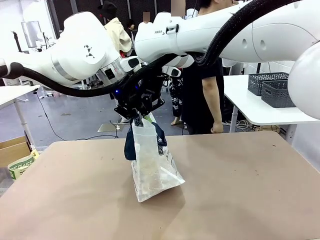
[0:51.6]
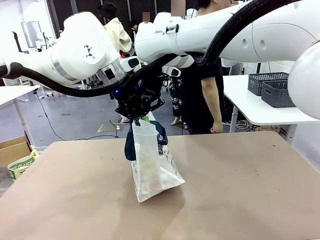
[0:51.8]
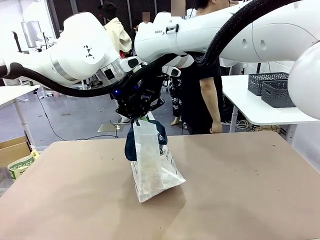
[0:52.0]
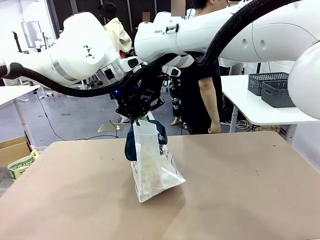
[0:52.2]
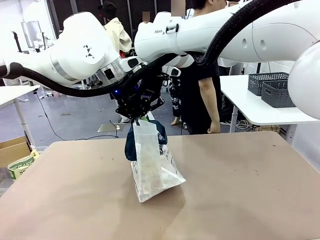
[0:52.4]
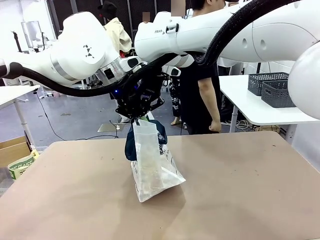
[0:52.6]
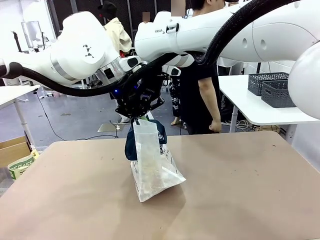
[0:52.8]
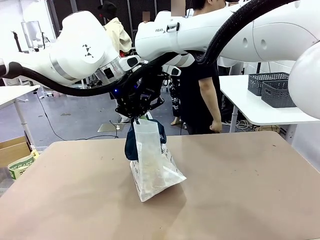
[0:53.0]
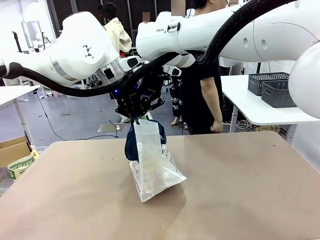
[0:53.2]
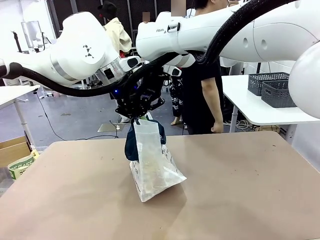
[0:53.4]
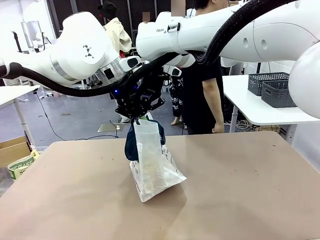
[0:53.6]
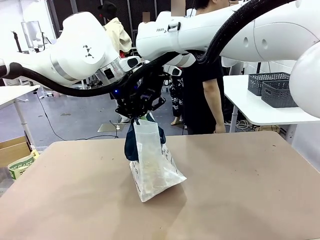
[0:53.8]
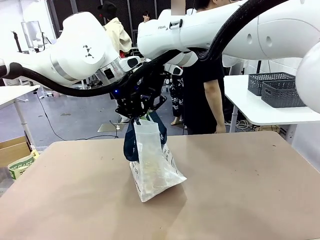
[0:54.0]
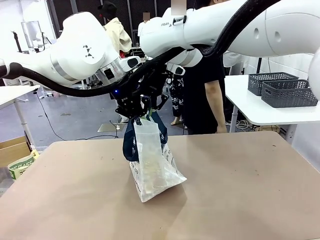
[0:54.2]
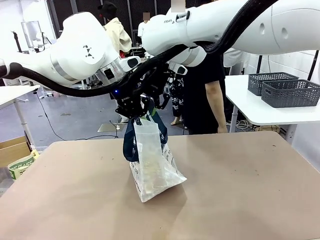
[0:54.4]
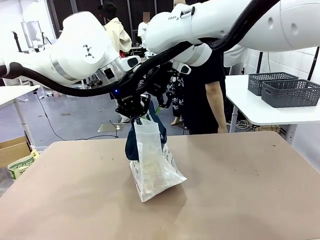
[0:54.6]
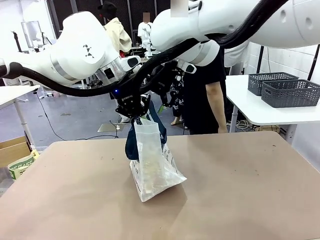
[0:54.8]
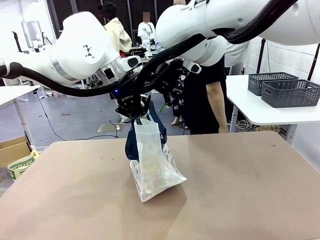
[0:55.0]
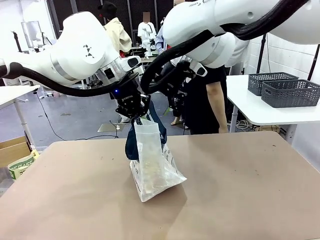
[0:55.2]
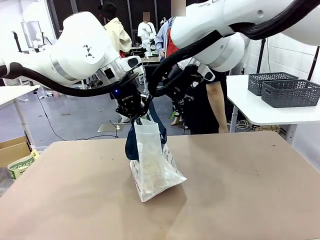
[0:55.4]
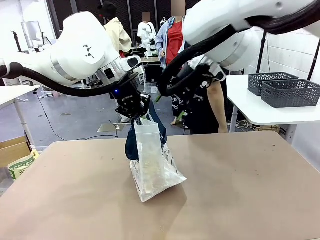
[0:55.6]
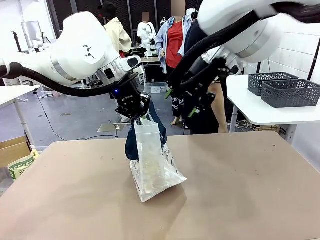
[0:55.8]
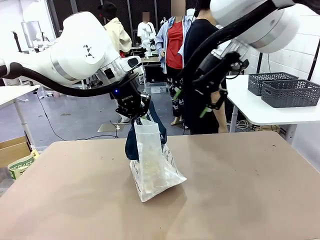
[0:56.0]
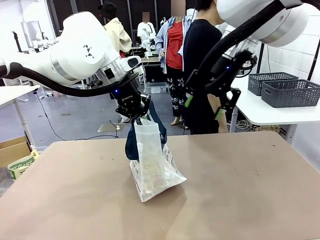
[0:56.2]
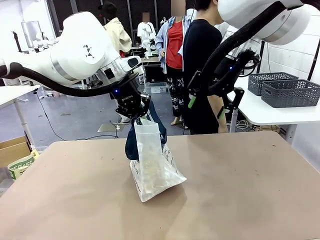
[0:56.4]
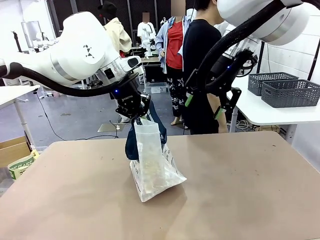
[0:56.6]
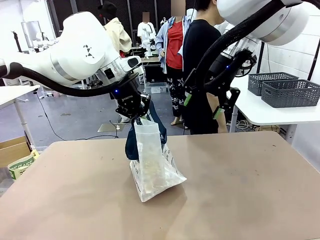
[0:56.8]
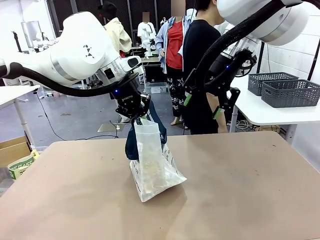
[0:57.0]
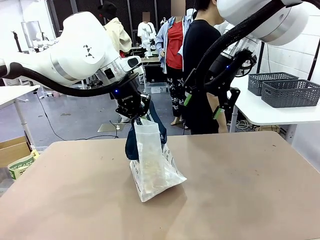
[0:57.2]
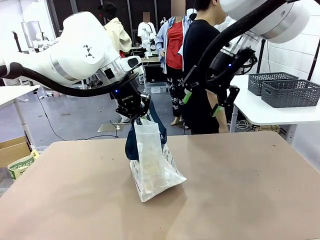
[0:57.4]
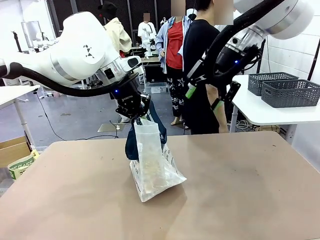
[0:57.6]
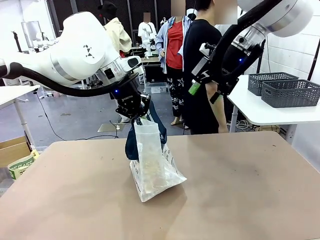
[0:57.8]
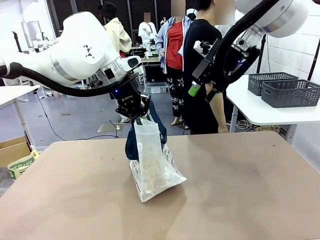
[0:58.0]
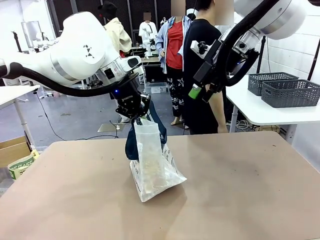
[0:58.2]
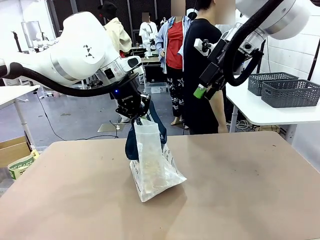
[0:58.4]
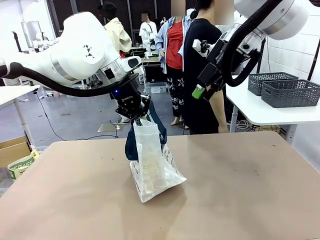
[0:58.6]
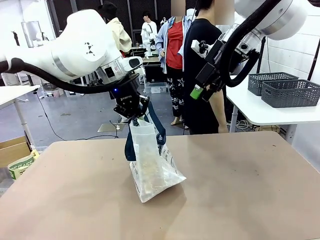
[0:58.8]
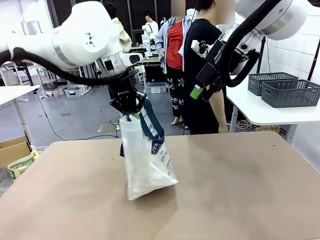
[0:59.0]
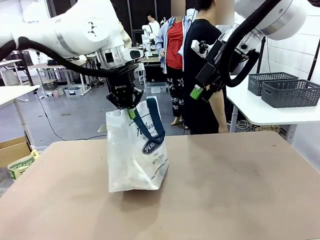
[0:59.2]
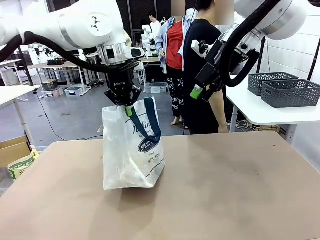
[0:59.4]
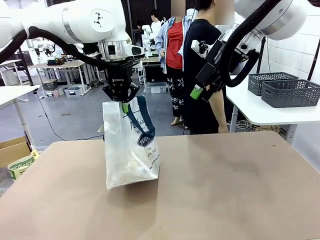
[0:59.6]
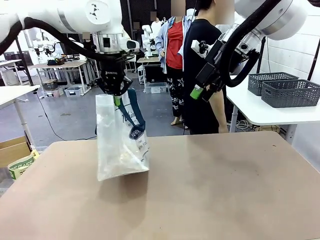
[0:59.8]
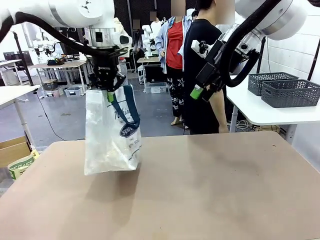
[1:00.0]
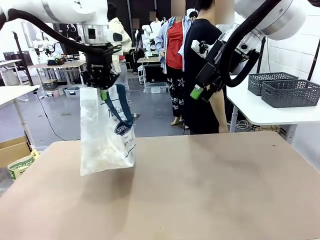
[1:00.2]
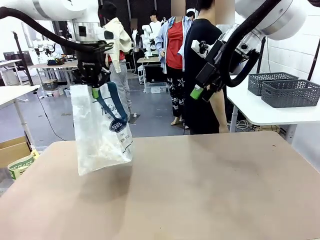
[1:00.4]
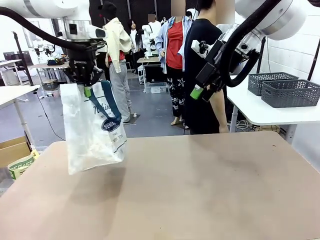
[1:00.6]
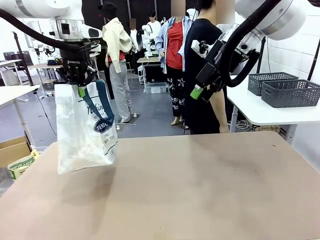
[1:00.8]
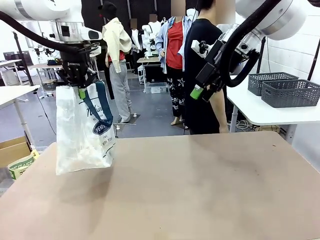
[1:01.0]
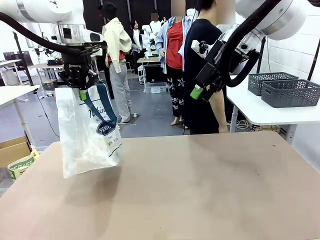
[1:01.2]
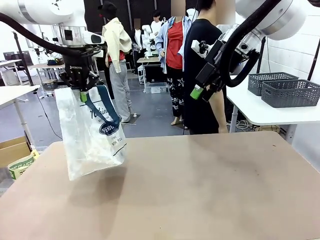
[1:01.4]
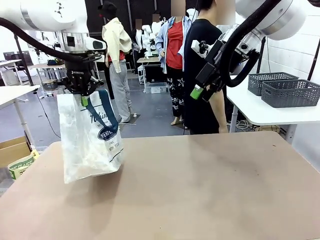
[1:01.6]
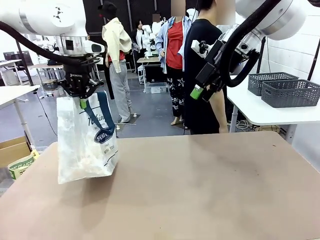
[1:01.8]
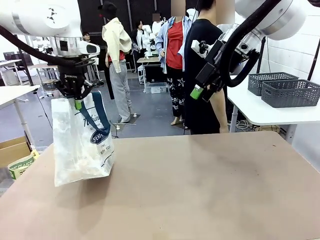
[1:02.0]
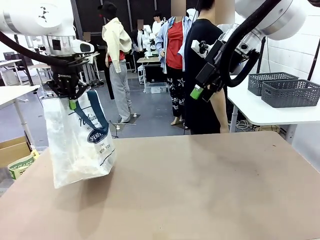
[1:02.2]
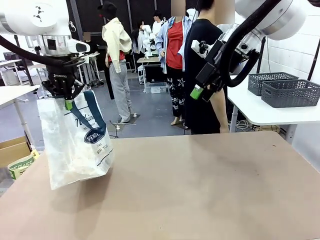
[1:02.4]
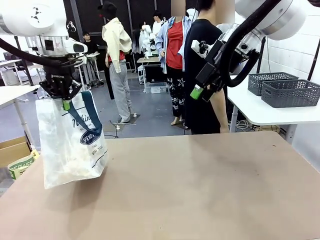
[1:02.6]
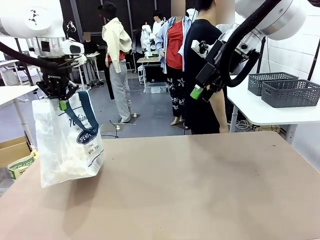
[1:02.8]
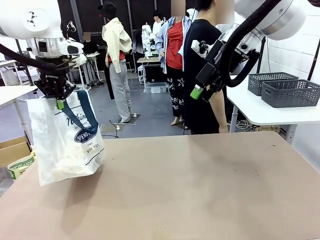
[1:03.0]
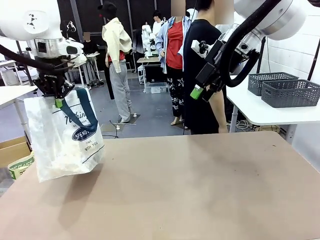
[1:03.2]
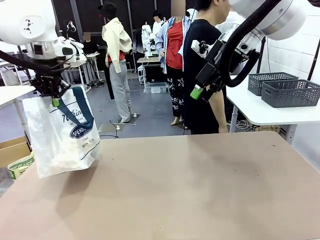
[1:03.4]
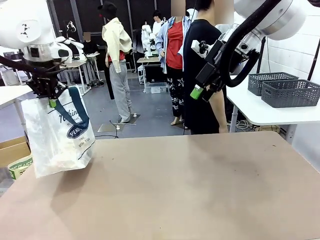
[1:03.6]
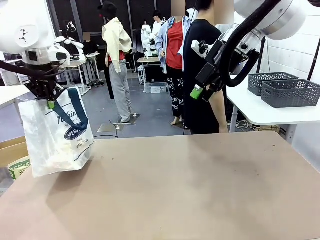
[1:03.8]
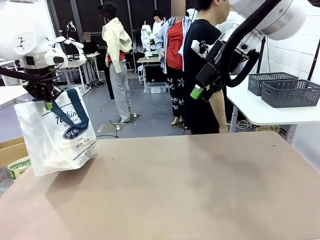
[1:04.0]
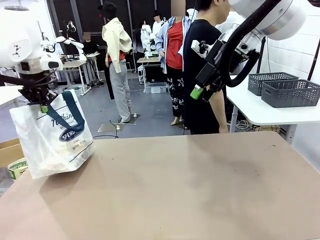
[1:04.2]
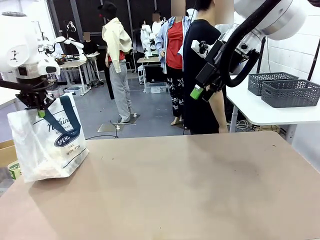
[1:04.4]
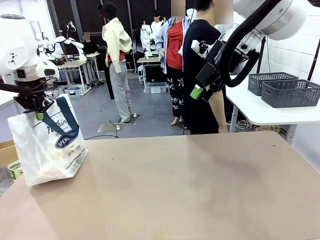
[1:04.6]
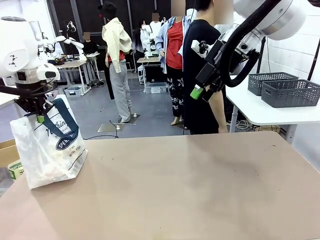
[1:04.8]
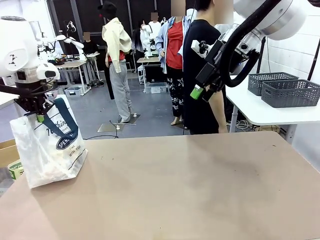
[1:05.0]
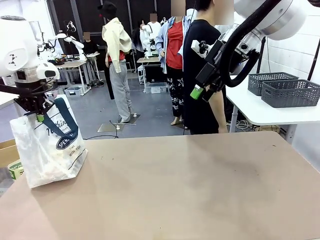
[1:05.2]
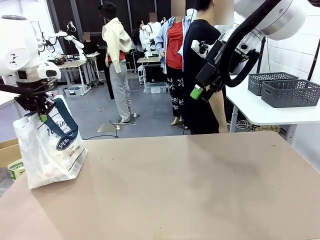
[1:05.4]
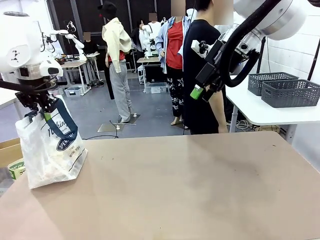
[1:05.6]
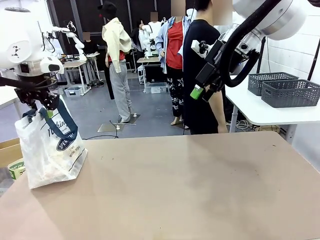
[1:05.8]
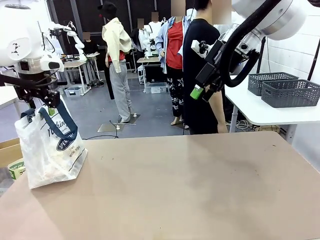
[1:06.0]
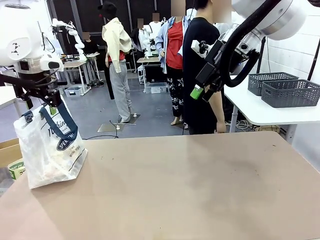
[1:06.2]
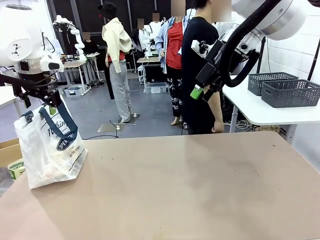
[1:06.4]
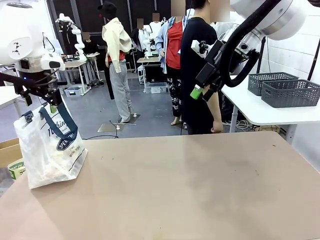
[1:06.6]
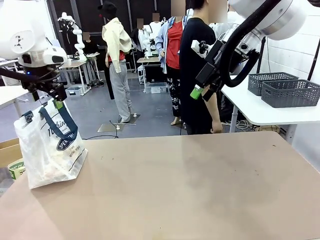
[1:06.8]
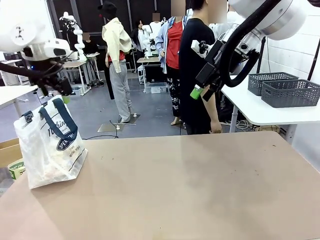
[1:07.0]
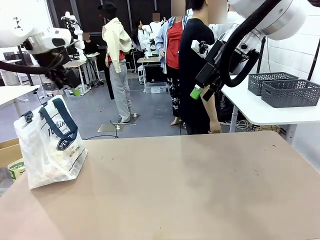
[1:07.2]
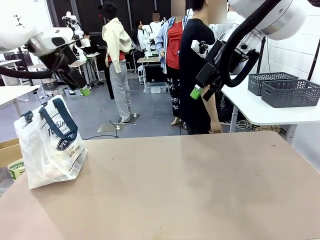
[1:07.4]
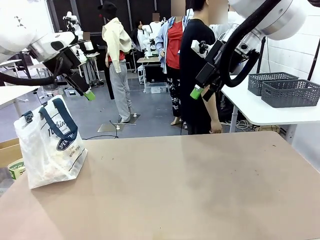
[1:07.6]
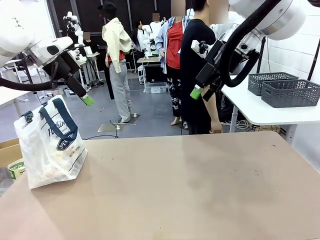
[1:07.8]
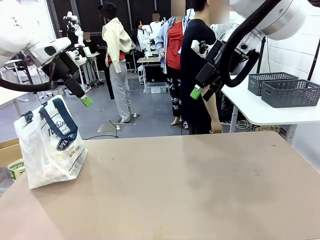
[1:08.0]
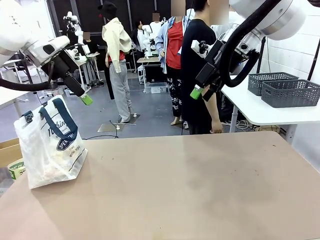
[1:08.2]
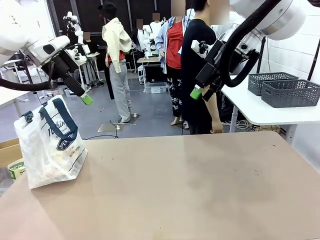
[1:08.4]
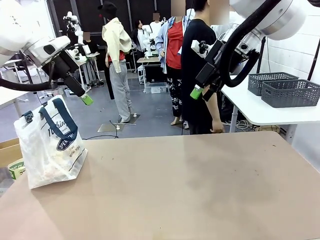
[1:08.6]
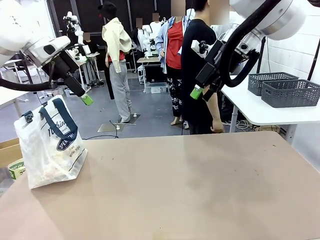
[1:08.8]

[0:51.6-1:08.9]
Task: Transfer purchased items from the store into the shopping bag.
Robot: Move the Reusable shopping bag to the right side of the table.
Person: Move the basket on the left to the middle of the person's table.
